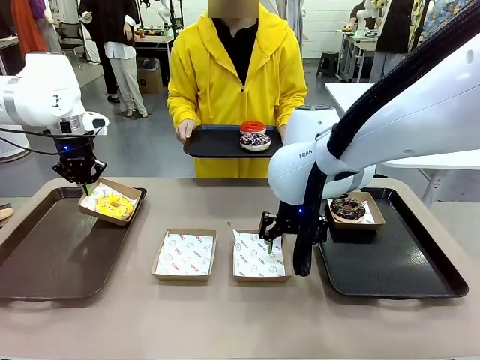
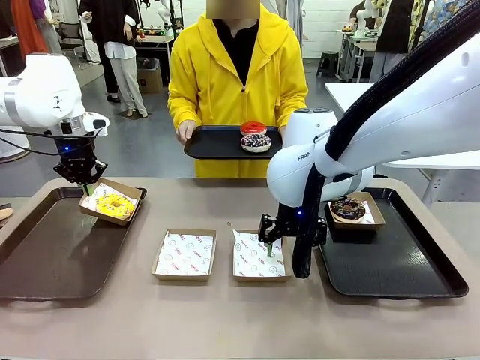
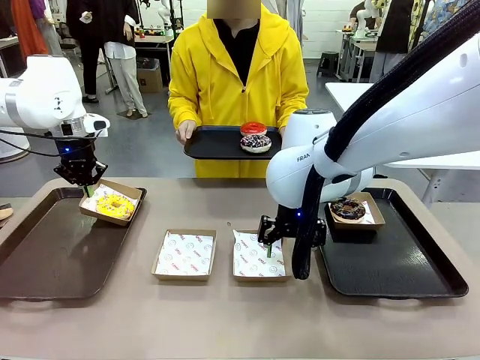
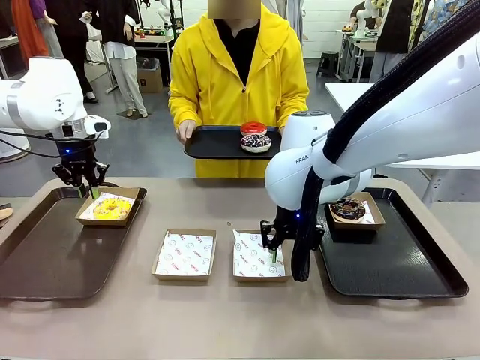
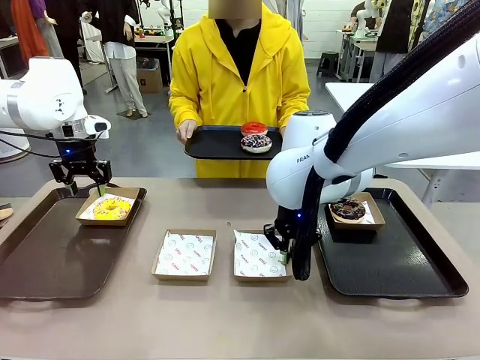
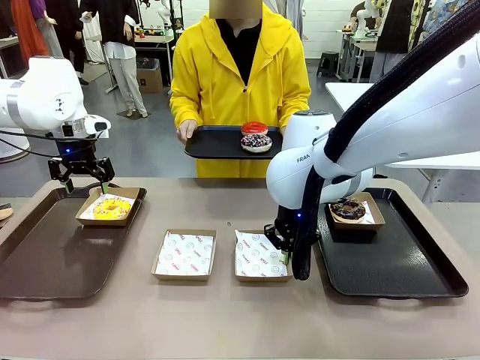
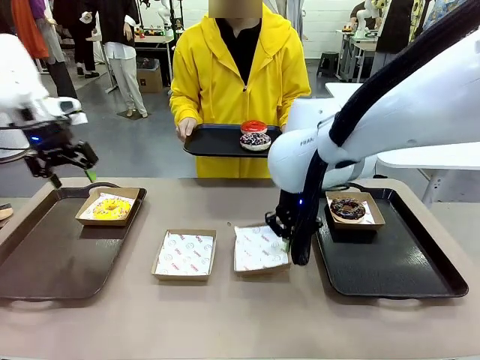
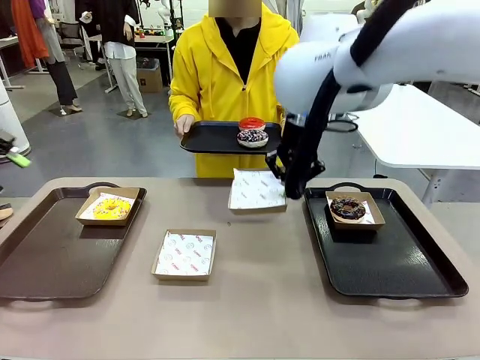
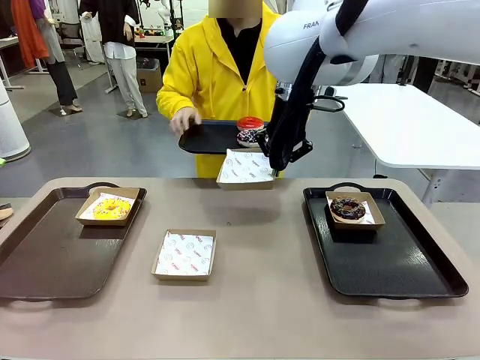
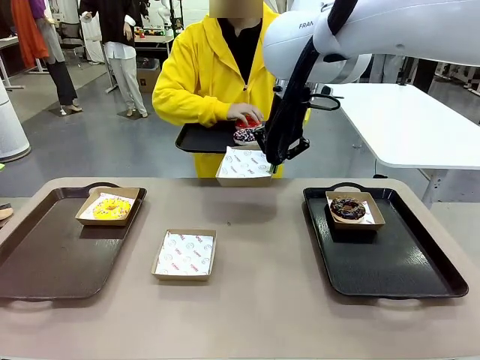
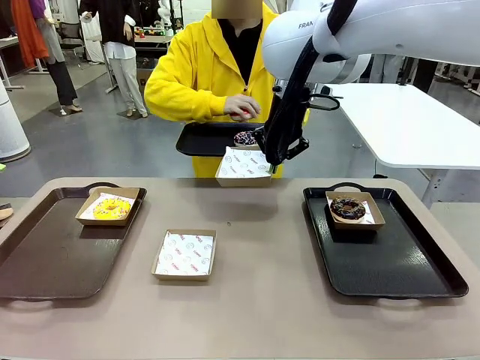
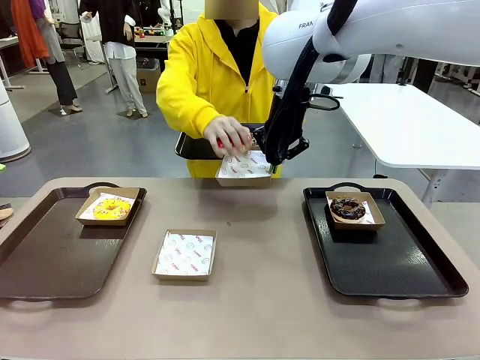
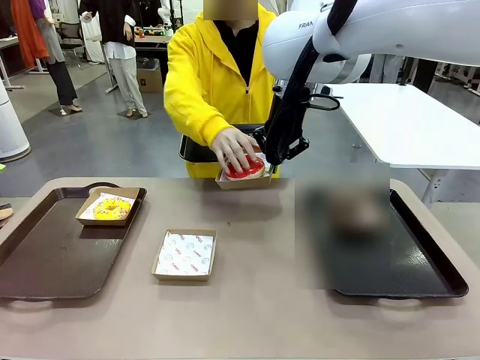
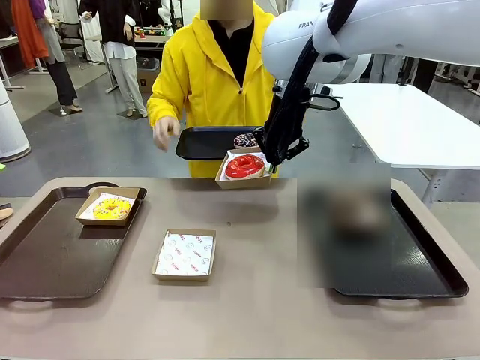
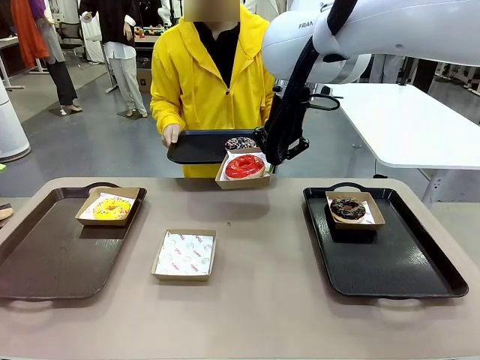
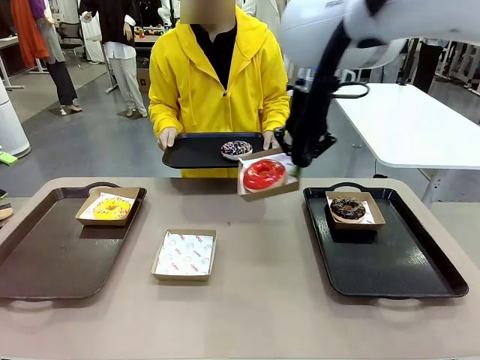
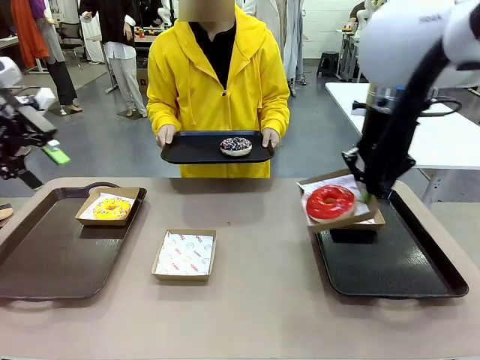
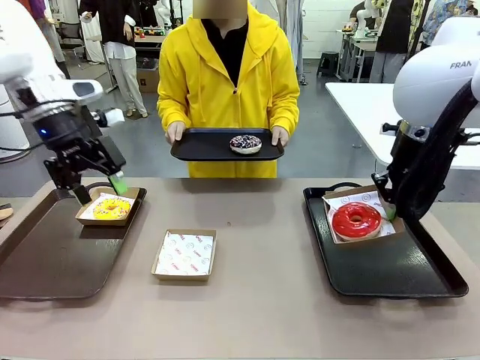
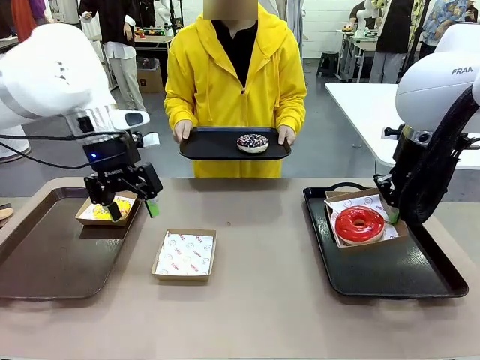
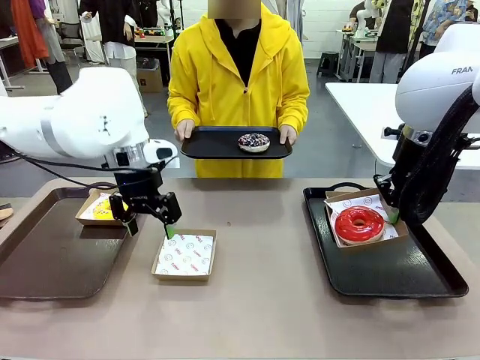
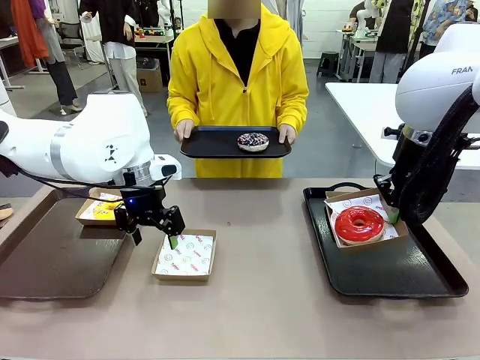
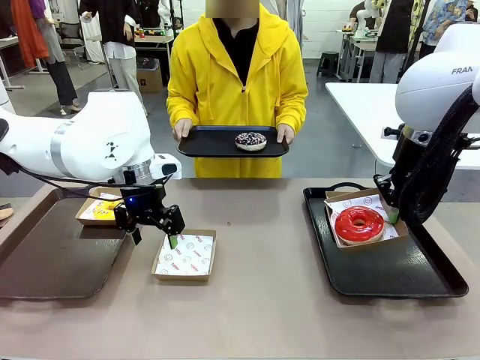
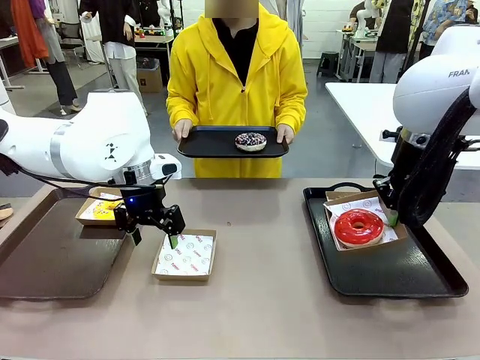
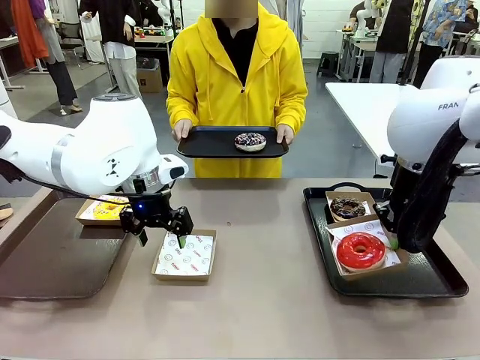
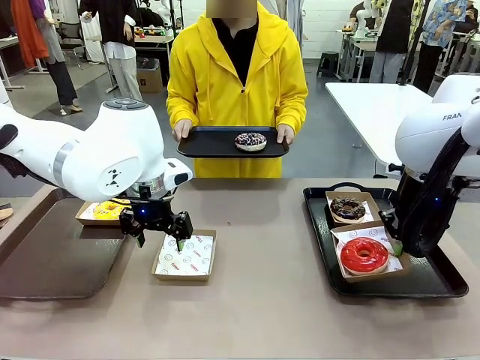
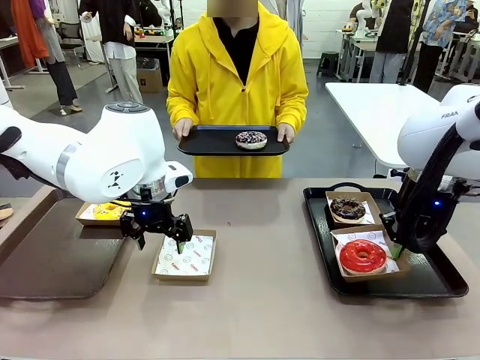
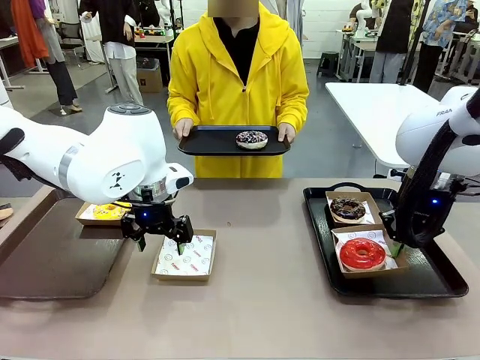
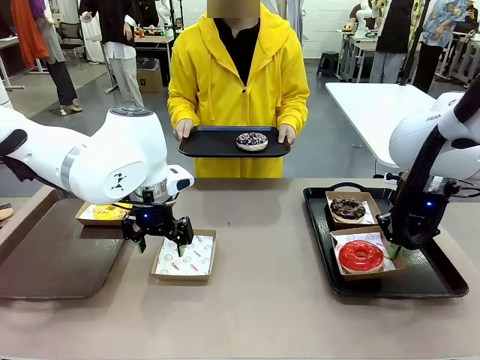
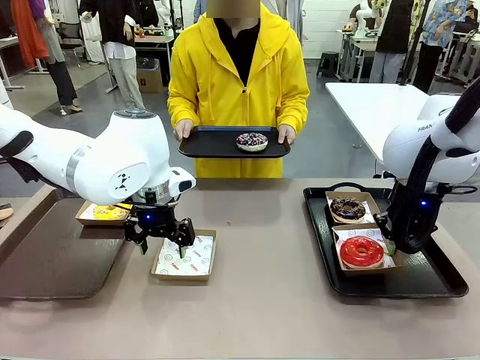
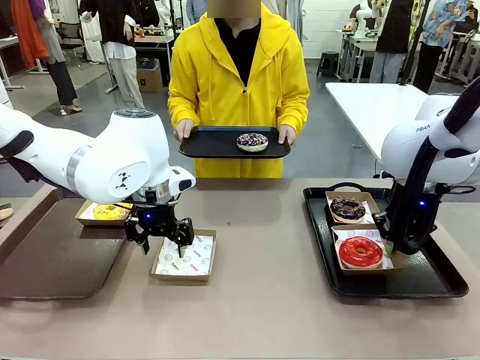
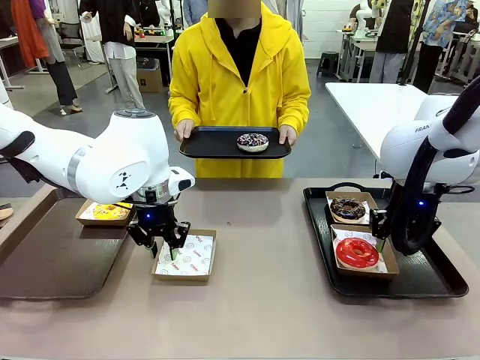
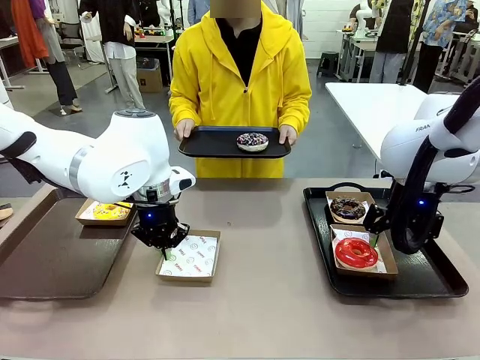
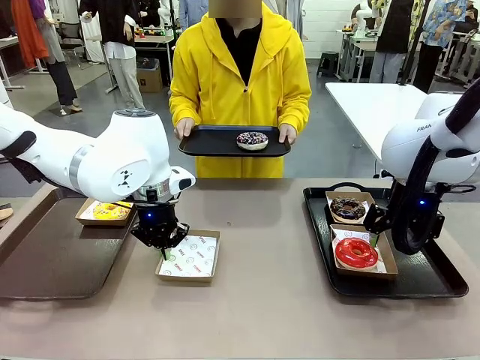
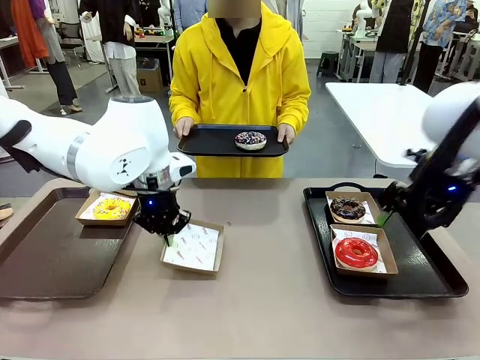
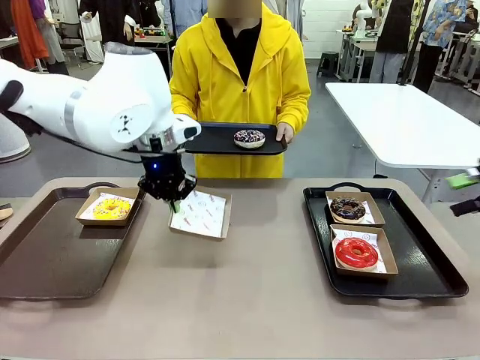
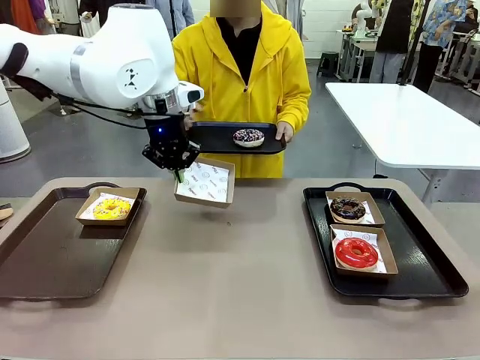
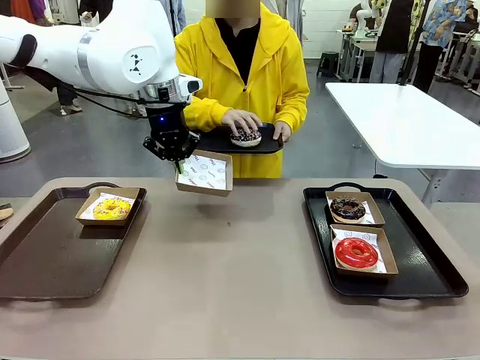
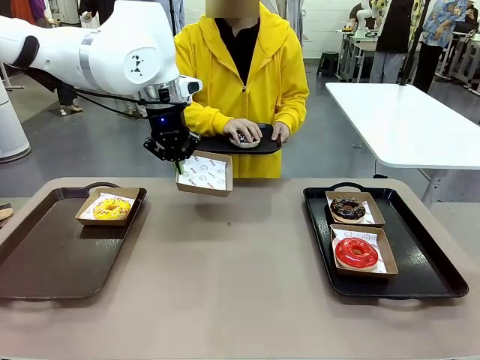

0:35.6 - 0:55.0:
Task: Individually package the donuts and arrange them on the tray.
Robot: Place the picked Paper togo box on the Handle tray while simultaneously picking up another Paper togo box from the table with the other hand.

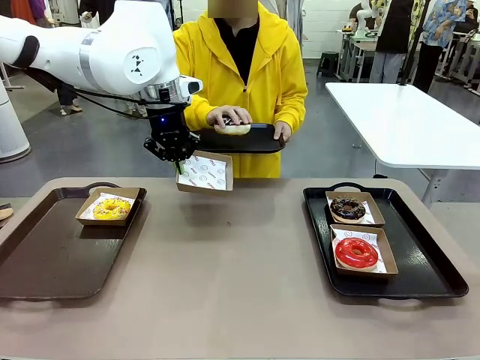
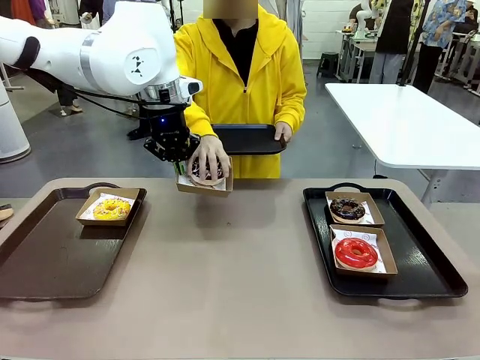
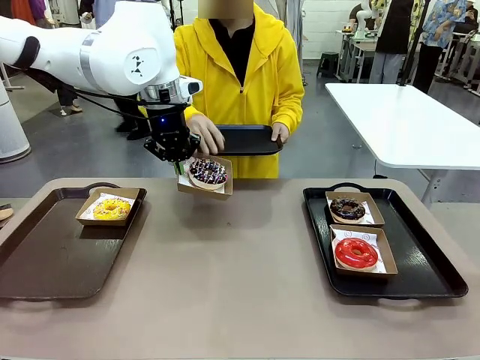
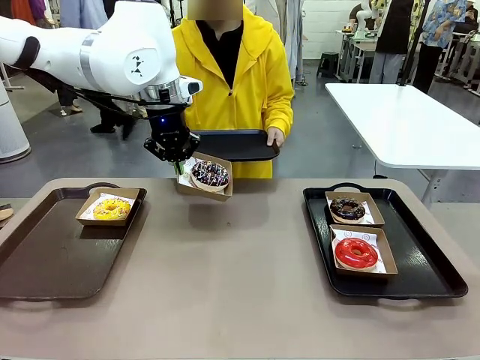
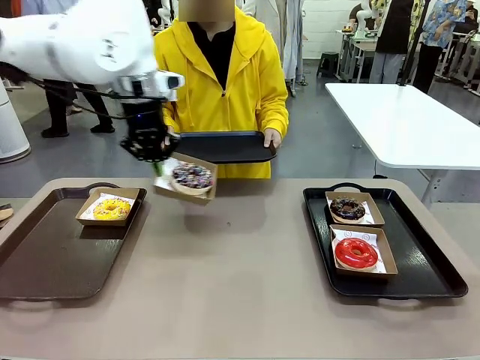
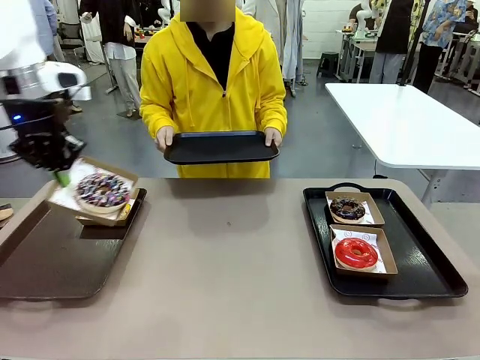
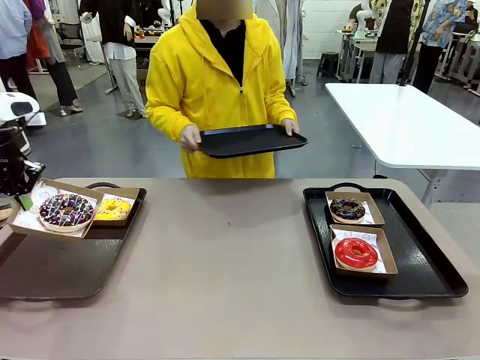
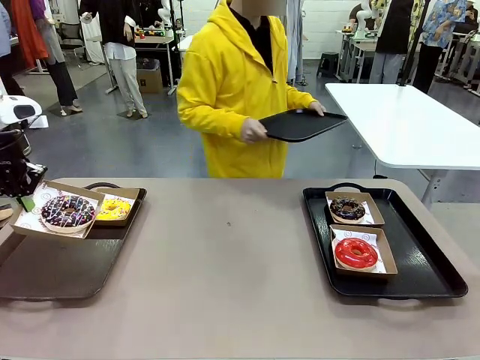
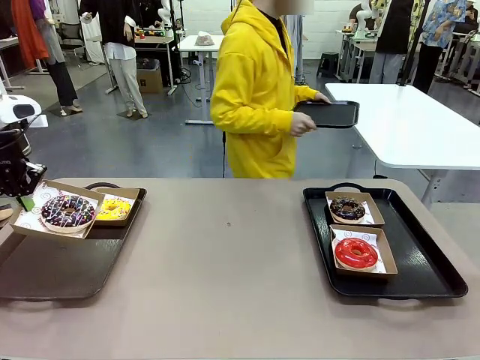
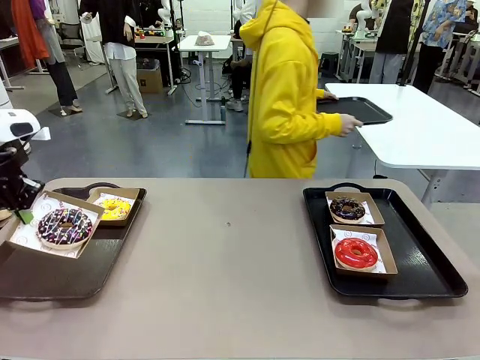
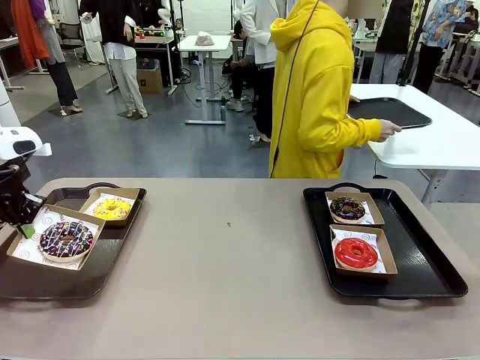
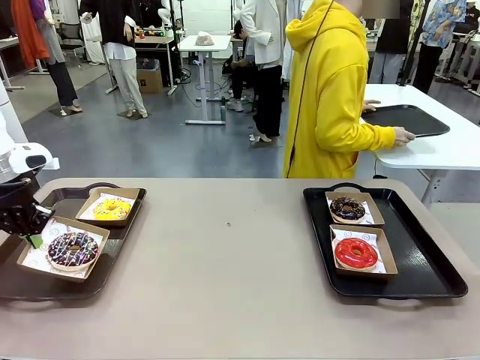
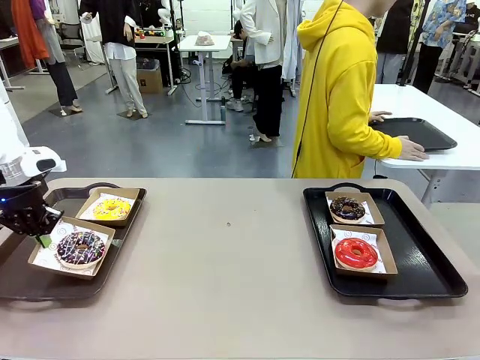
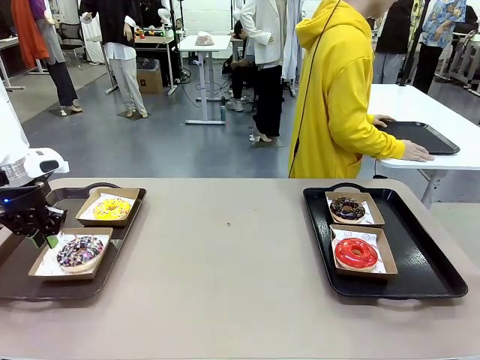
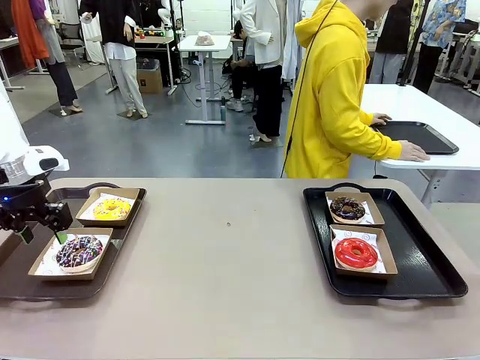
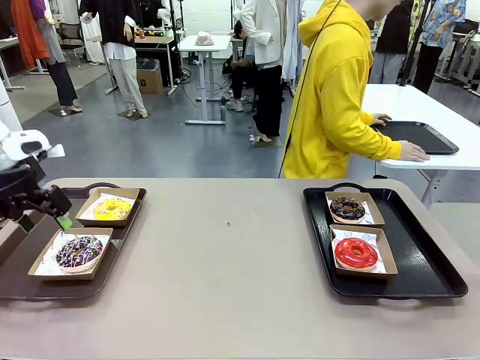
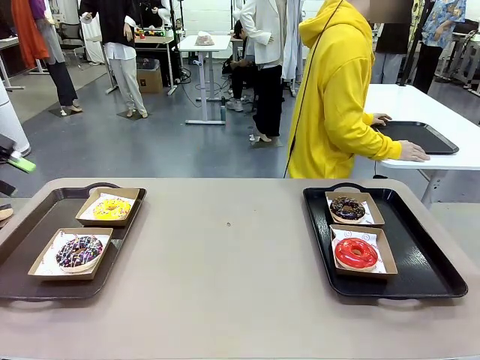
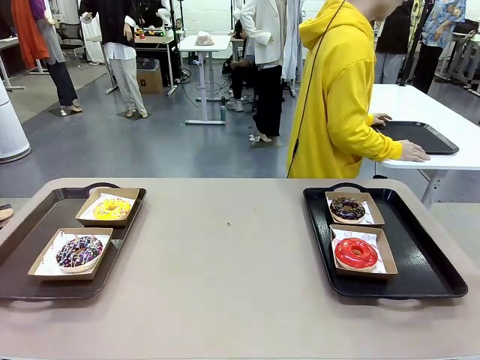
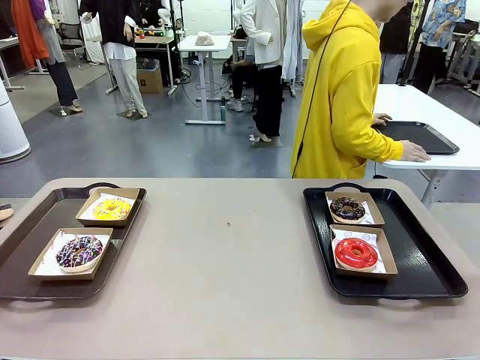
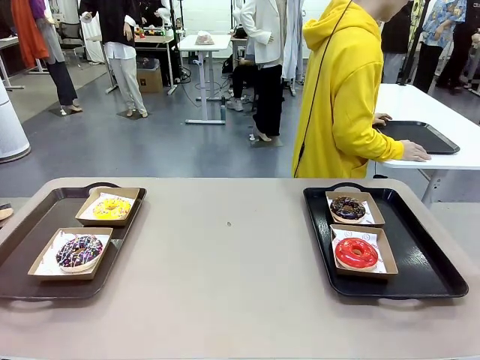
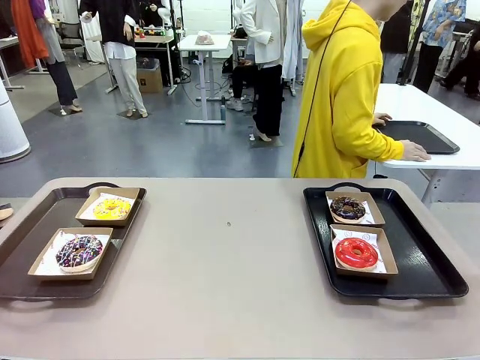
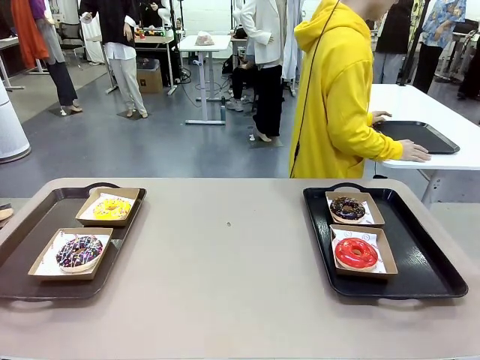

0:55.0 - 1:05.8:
Robot: Place the picked Paper togo box on the Handle tray.
Person: Place the tray down in the middle of the human table.
